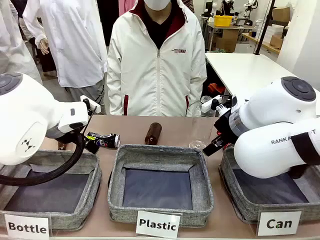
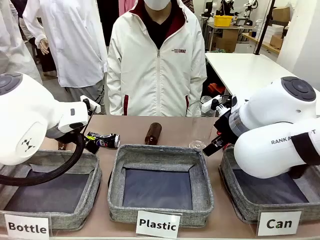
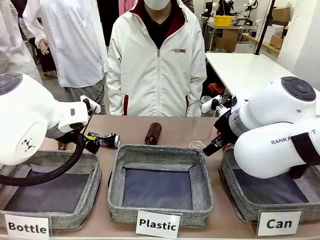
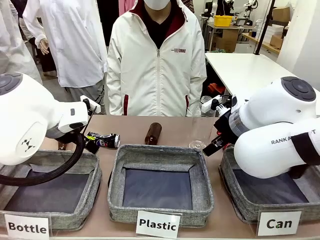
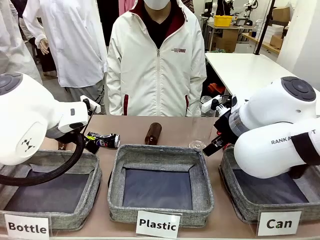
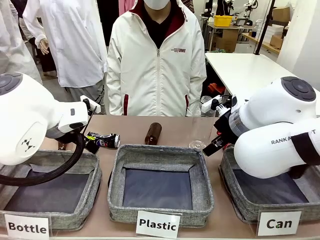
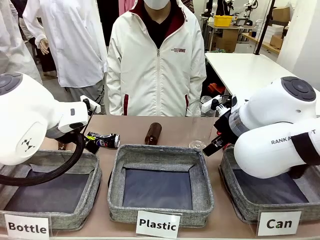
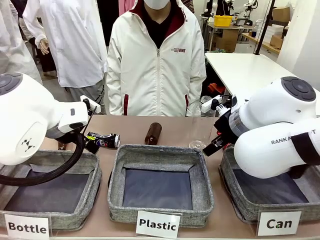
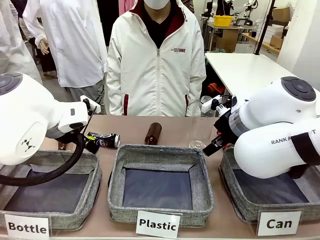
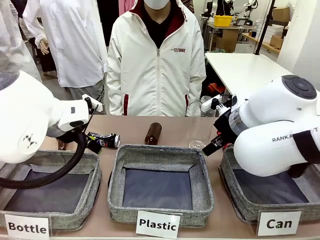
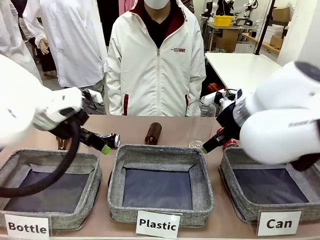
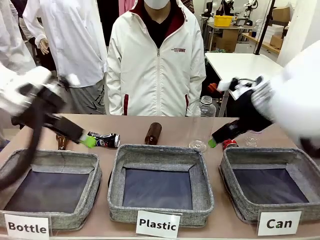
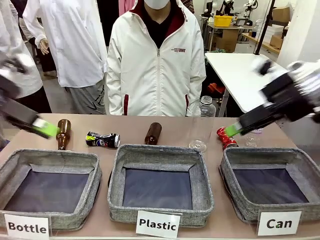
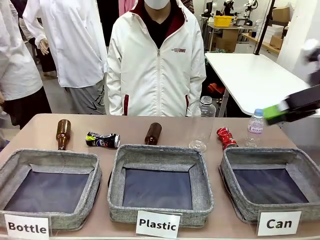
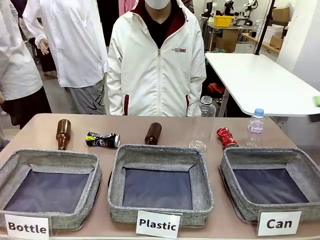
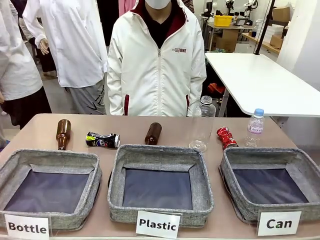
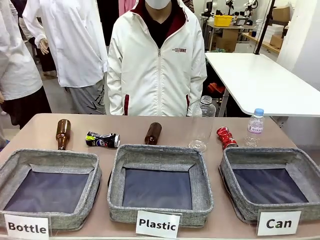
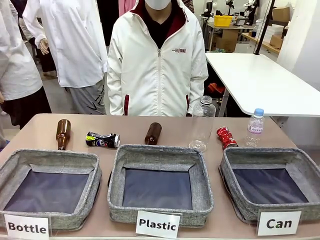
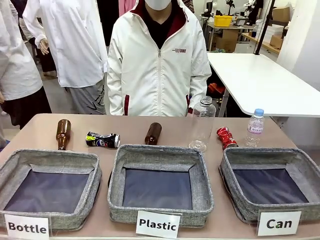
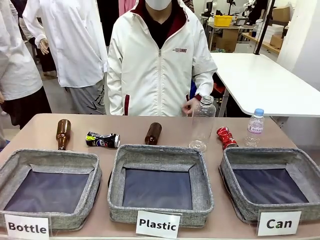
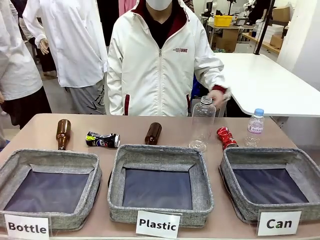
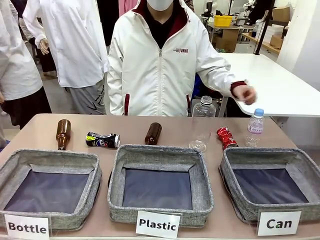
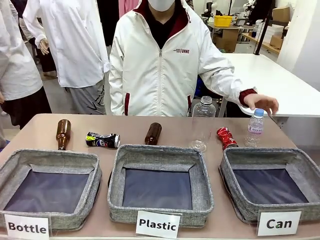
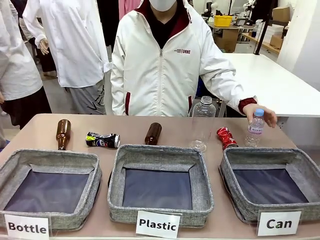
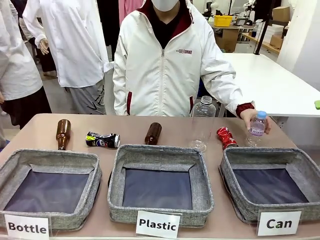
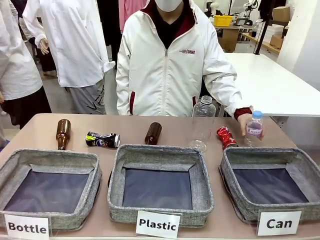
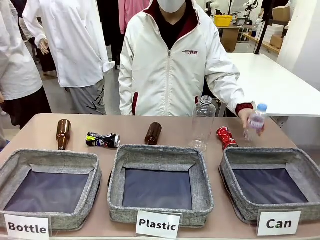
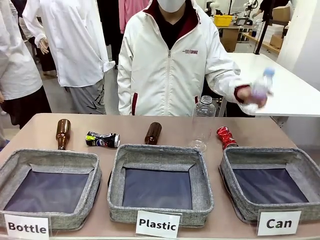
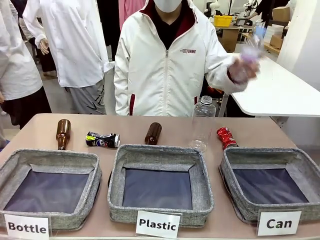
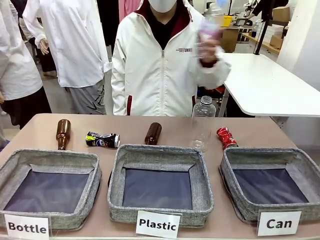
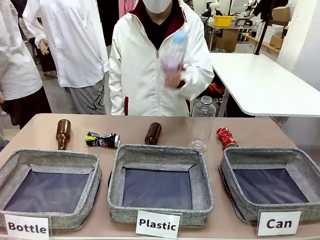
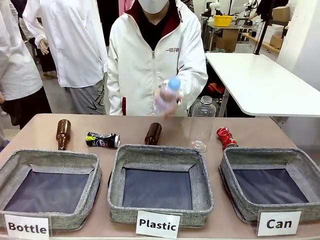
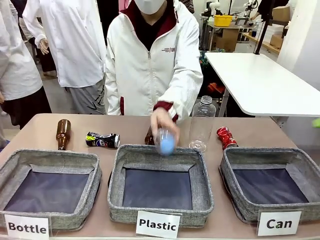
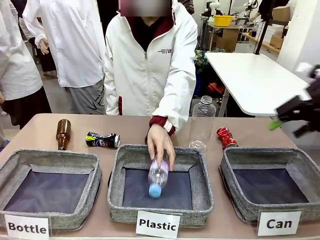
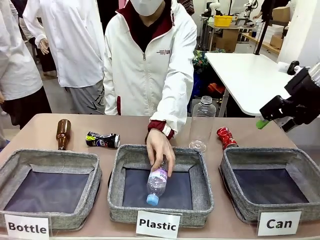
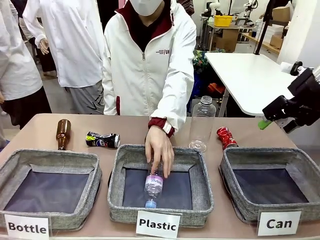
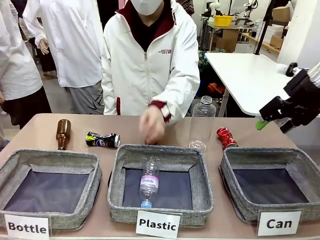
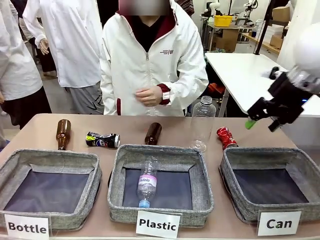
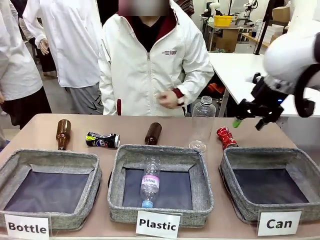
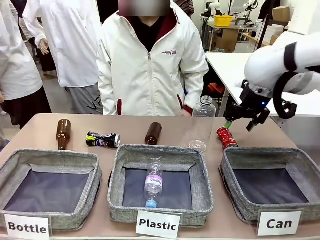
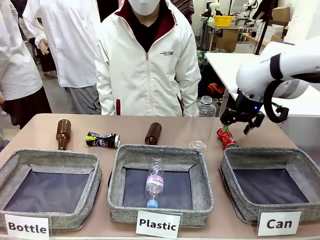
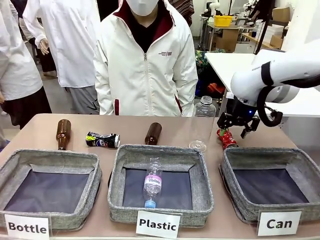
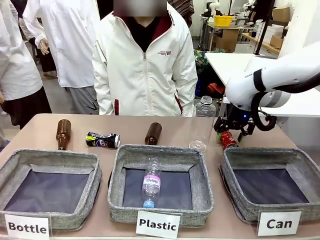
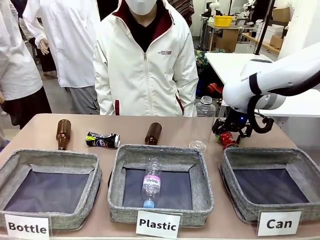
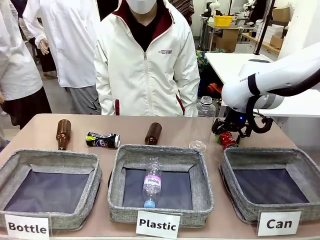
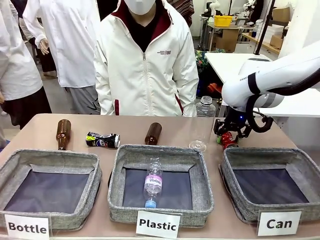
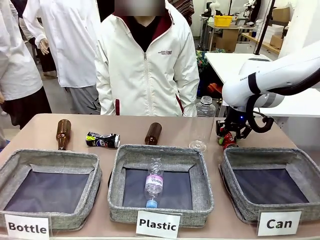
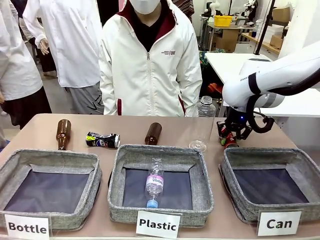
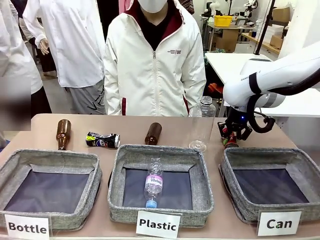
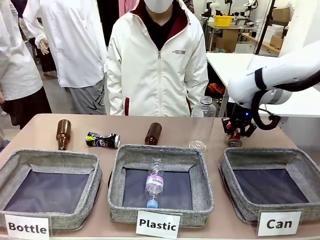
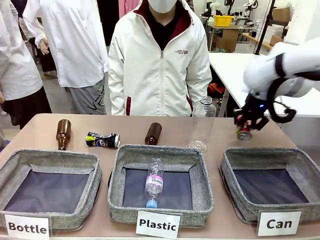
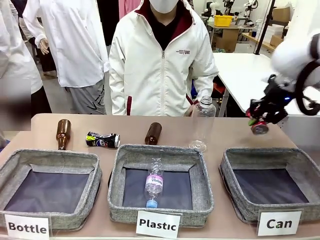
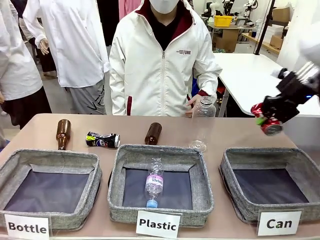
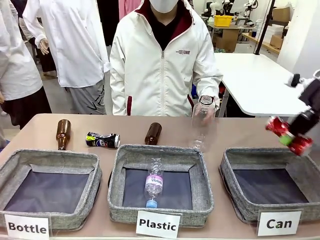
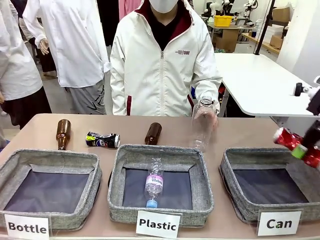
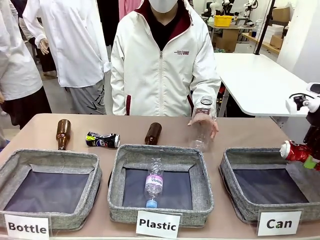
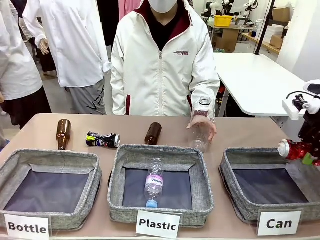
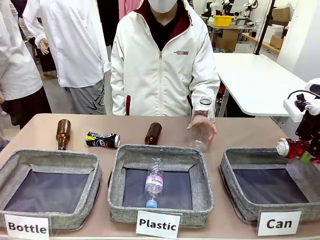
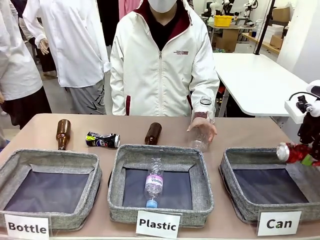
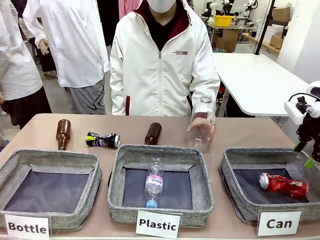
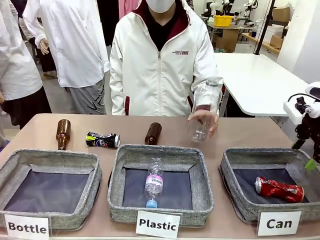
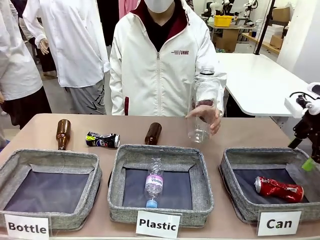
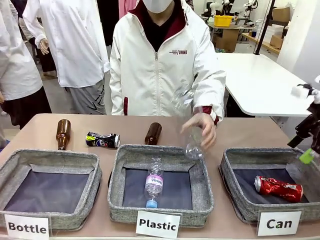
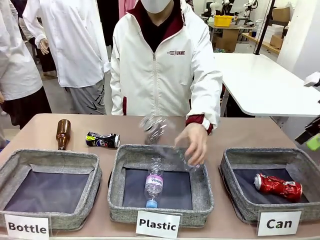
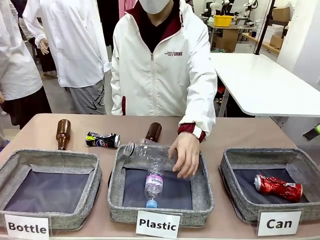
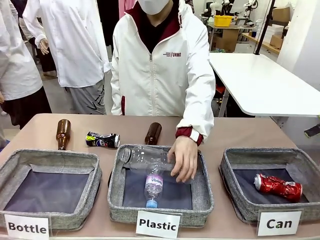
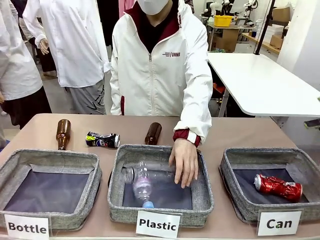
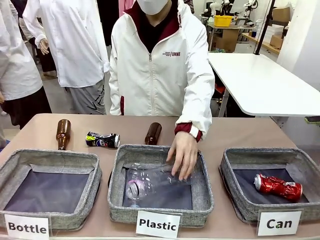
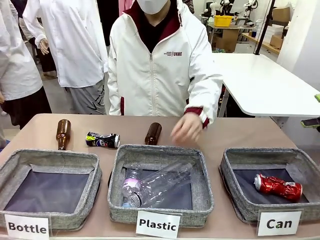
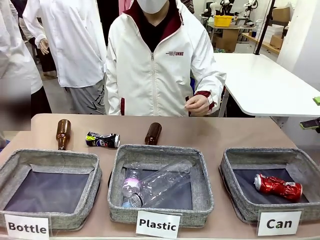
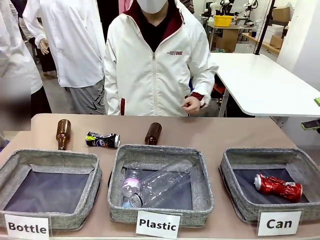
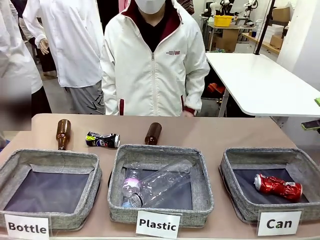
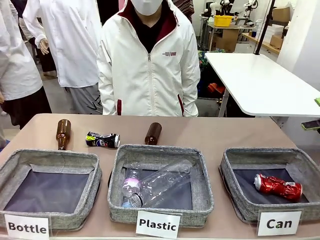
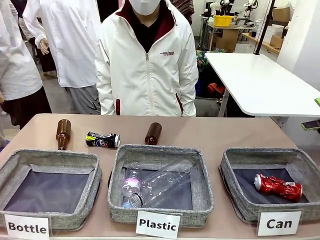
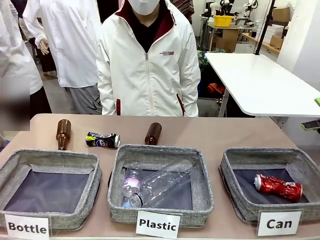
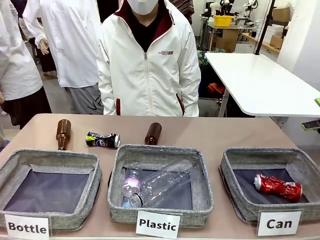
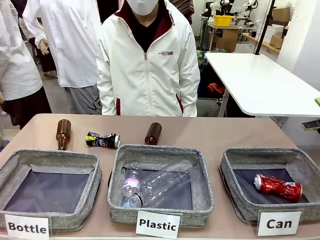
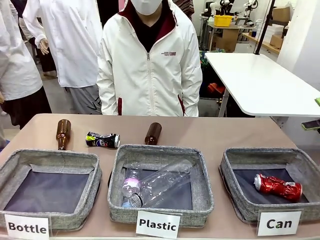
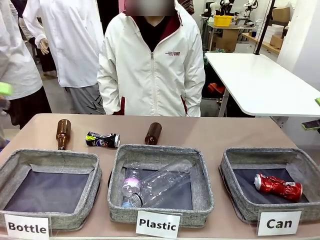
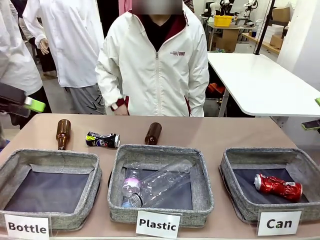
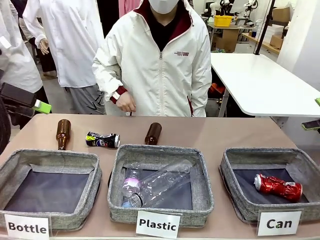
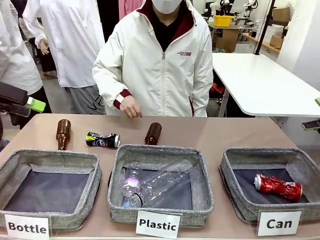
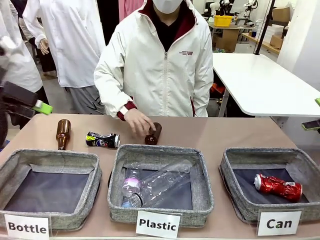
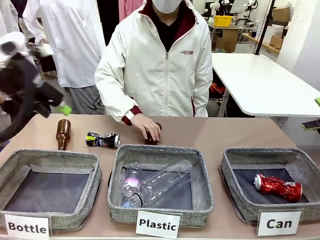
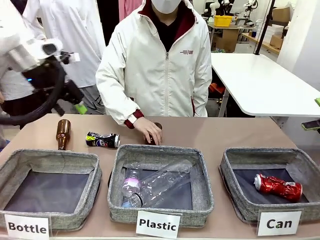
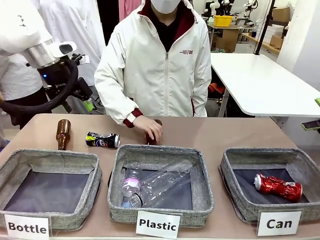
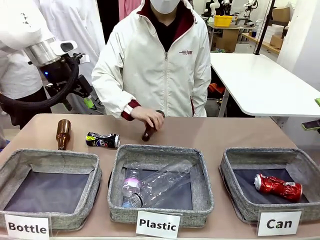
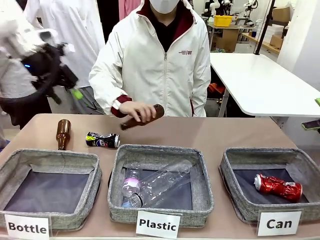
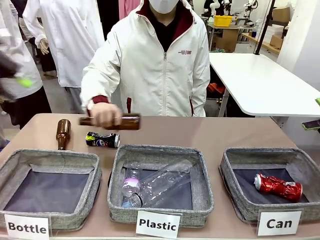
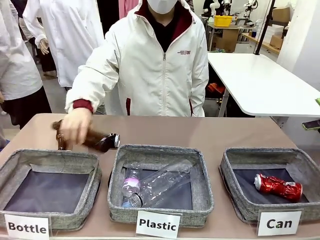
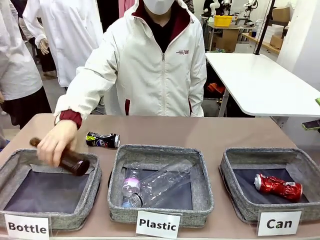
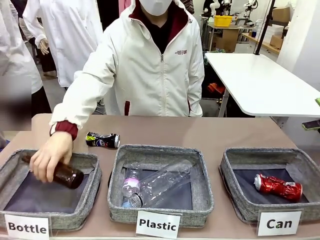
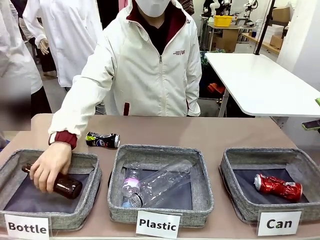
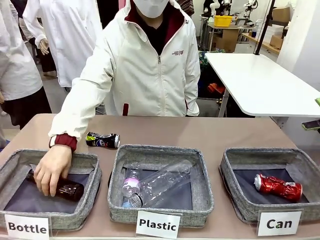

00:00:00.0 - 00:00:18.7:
Task: Sort the can waste into the basket.
Robot: Pick up the can waste from the table and place it in the right Fabric basket.
